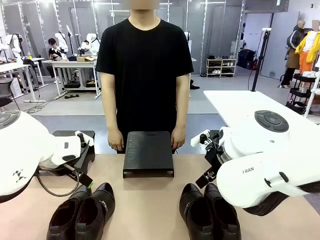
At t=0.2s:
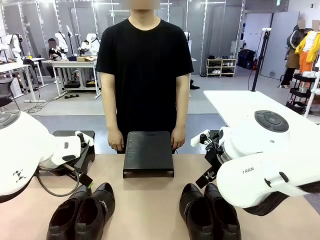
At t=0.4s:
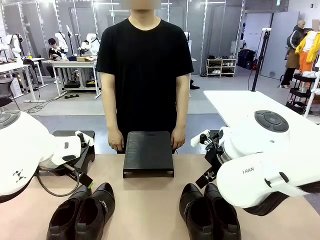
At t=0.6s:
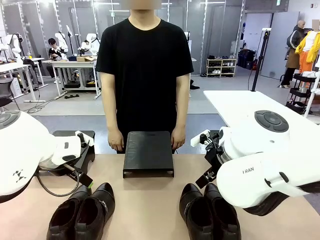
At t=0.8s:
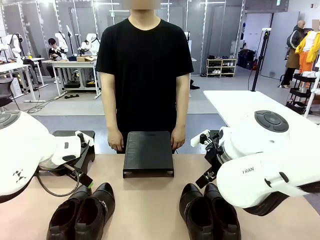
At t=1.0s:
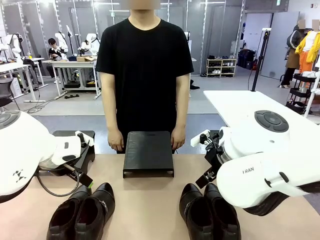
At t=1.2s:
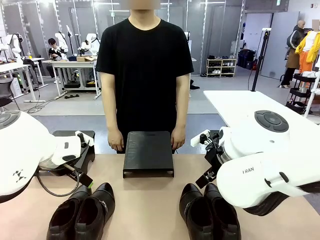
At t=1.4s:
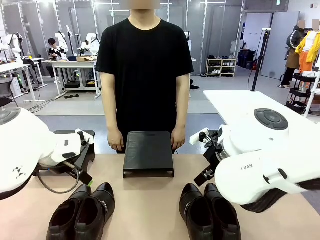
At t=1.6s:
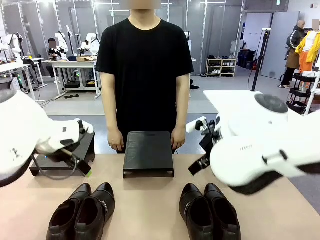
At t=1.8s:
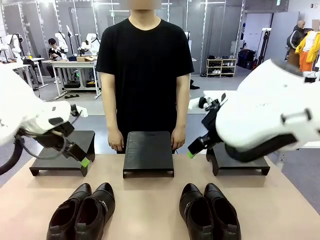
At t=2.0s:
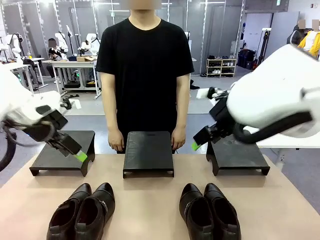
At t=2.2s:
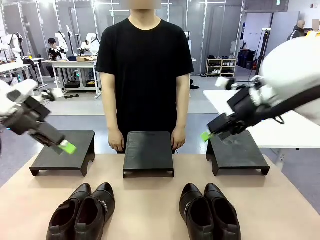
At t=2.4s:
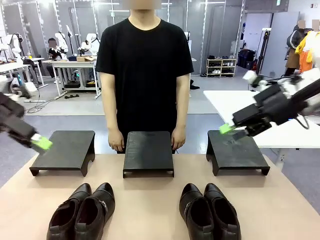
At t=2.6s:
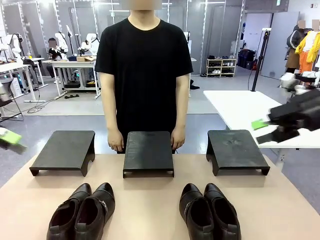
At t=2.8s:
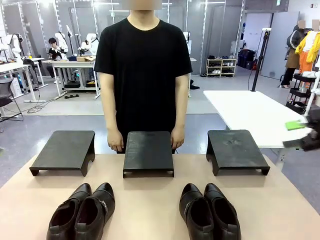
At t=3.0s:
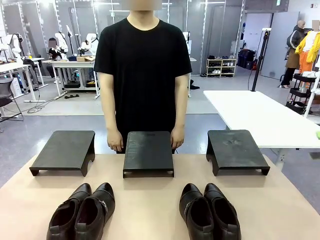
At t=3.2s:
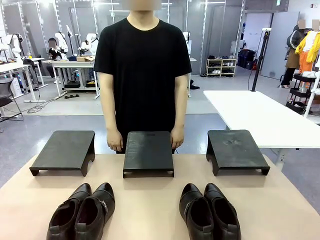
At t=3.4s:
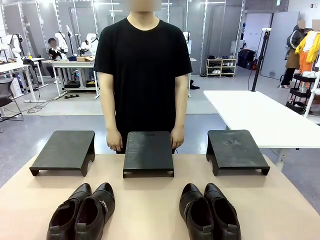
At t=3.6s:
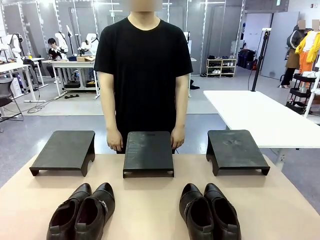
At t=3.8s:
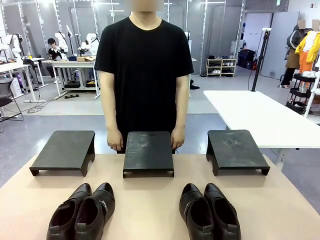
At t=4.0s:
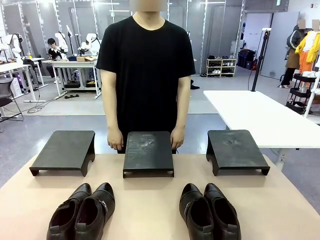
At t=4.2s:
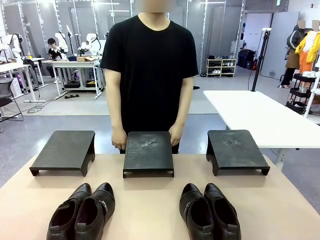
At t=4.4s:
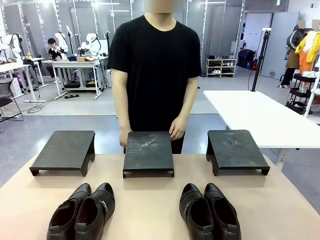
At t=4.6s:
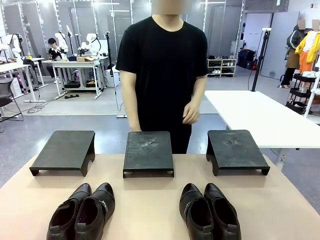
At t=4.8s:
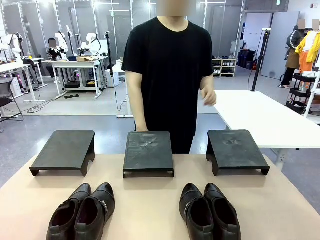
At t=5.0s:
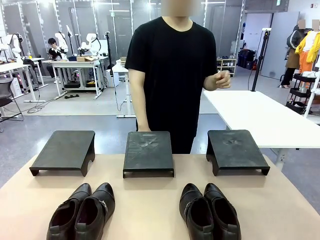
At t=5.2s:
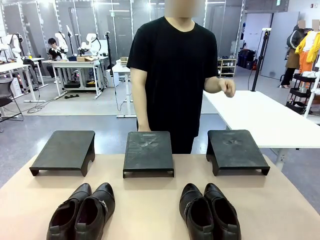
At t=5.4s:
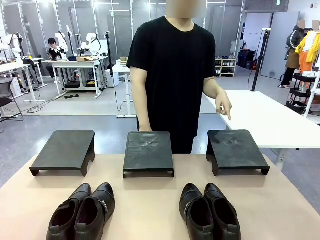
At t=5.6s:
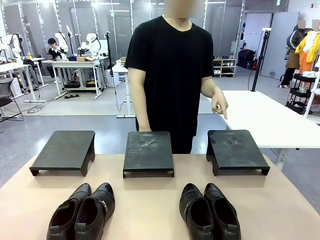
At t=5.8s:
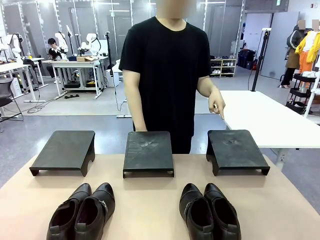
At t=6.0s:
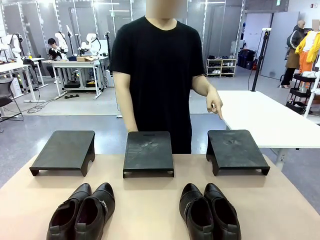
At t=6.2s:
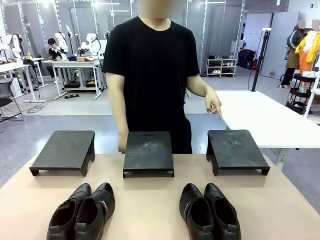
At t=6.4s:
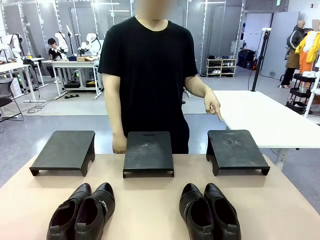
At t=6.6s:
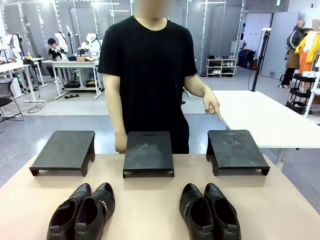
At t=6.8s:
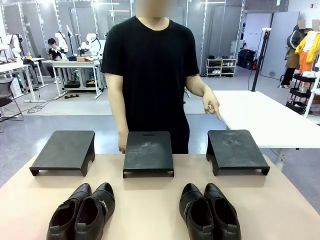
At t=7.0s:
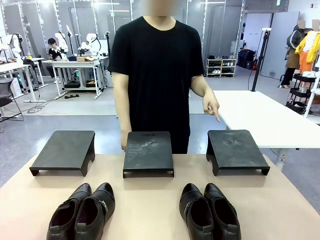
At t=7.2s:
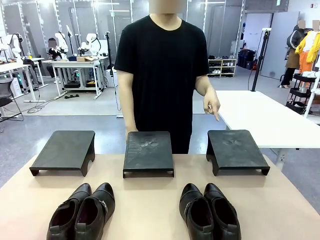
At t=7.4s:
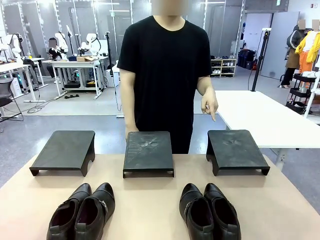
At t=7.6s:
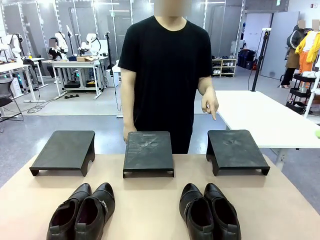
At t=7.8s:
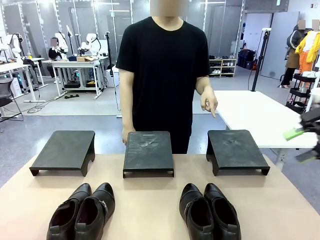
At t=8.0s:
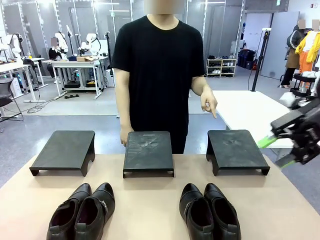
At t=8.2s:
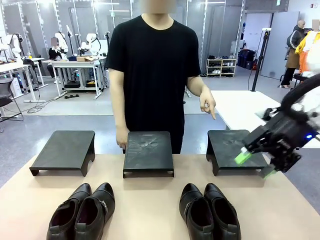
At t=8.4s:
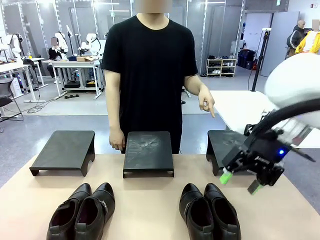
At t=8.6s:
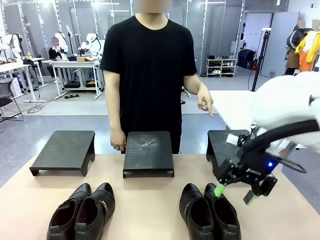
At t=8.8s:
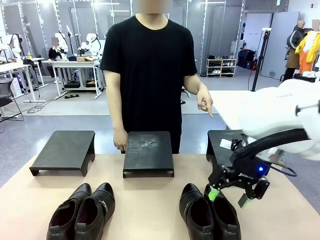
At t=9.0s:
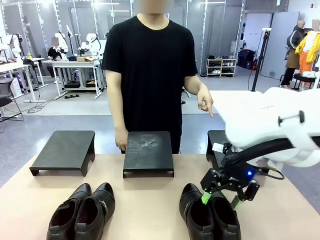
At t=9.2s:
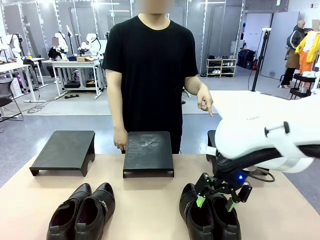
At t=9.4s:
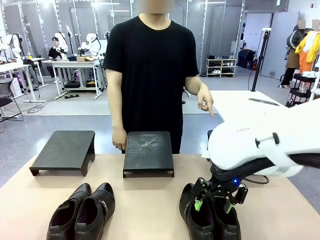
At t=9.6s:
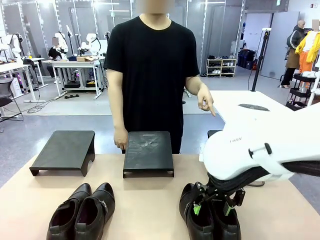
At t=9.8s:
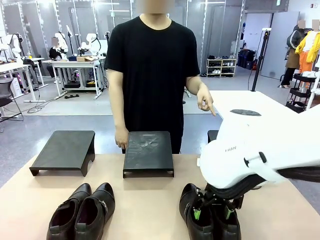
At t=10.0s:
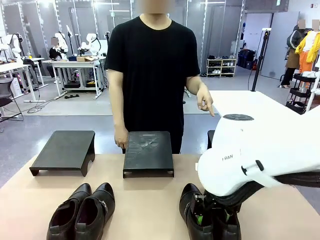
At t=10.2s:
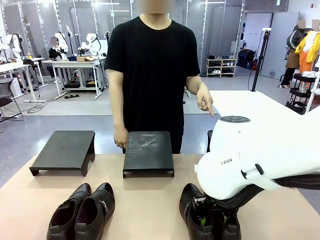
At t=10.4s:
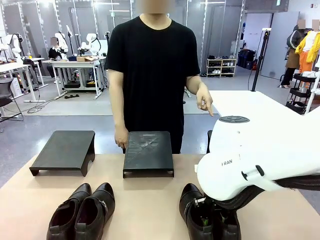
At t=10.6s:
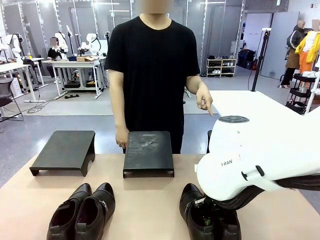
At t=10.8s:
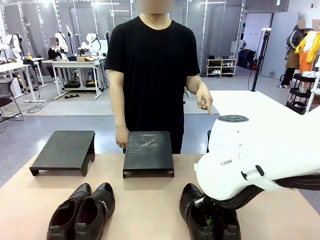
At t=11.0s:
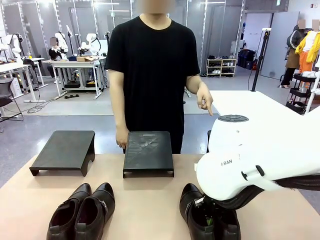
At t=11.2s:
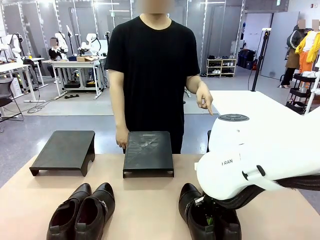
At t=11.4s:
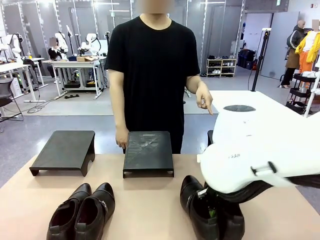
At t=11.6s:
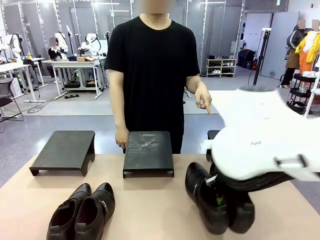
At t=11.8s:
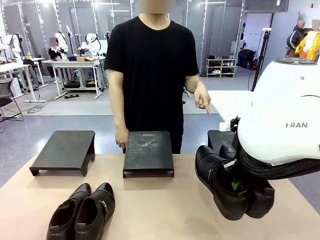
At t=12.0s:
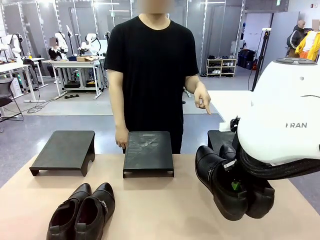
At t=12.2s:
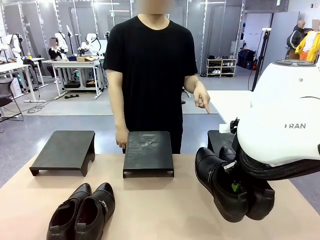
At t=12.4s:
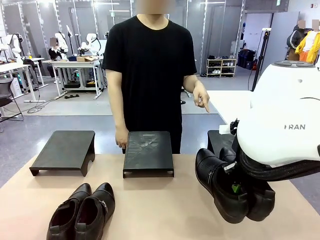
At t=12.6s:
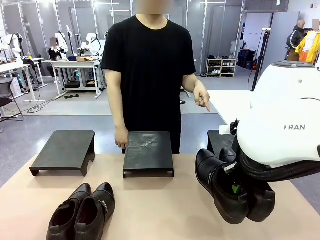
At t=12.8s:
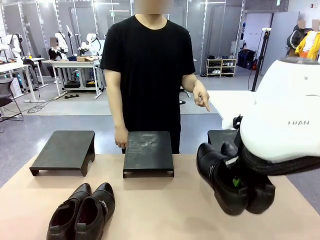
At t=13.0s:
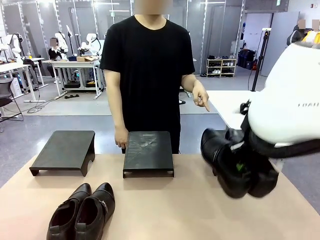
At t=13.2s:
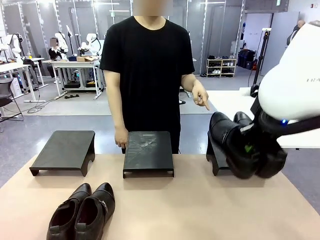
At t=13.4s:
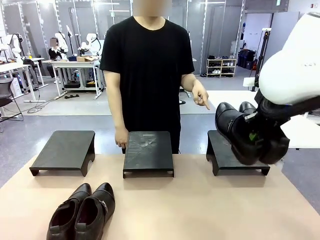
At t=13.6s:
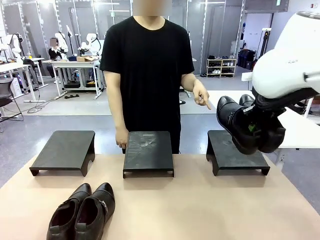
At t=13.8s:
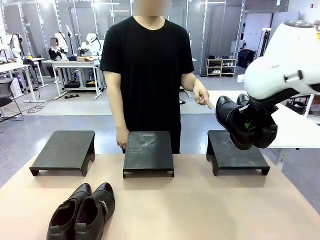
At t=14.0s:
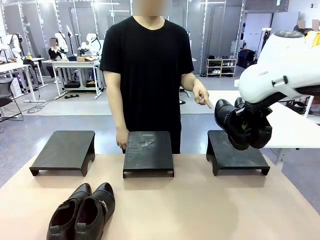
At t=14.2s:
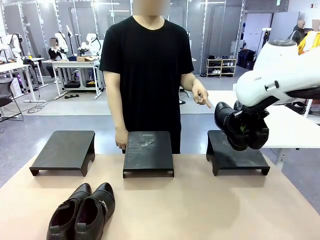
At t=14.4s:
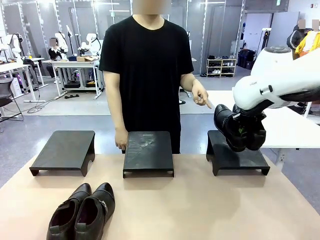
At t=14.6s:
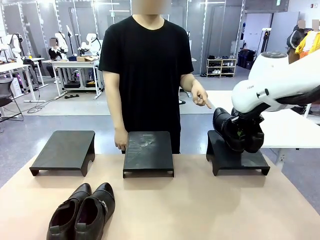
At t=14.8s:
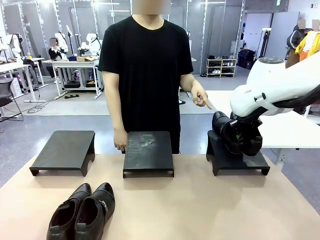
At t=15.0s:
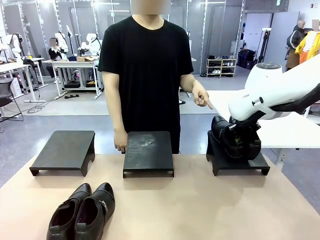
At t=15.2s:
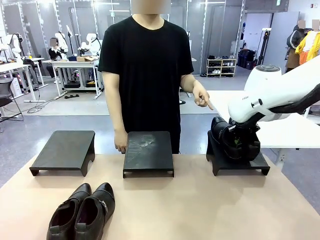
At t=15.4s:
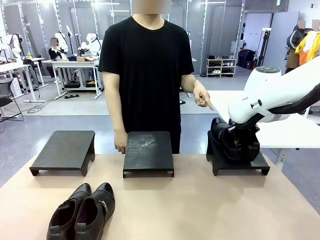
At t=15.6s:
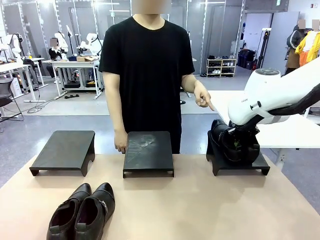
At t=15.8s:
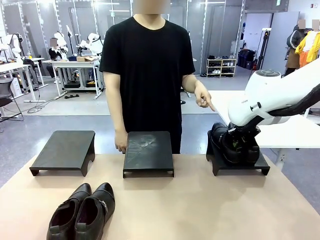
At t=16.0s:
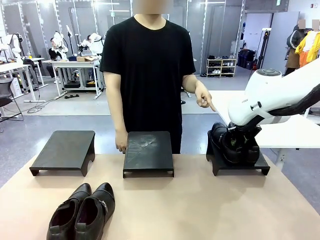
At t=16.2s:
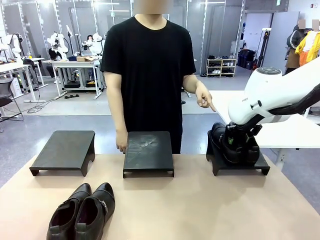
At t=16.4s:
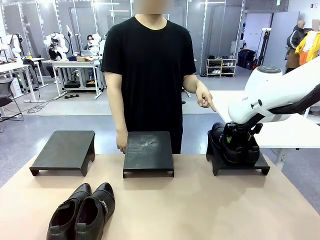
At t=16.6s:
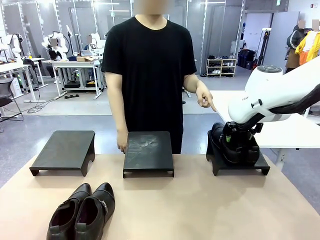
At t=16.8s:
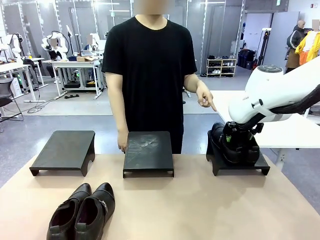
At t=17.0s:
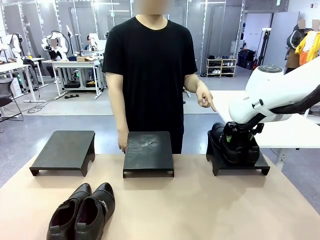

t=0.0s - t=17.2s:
Task: Place the shoes on the stand as instructed by the person.
Robot: Pick up one pair of Shoes and place it on the Shoes Stand indicated by the person.
